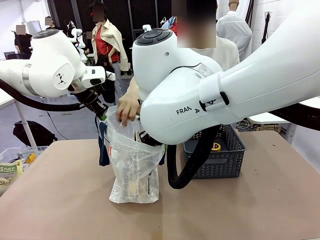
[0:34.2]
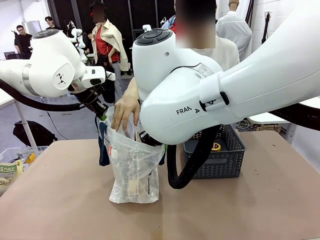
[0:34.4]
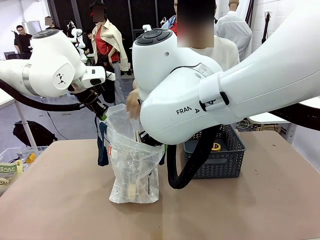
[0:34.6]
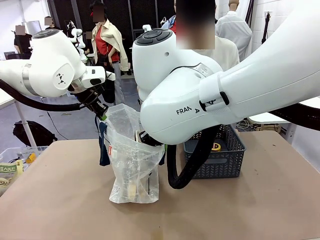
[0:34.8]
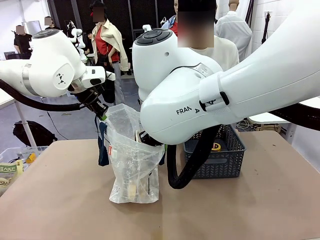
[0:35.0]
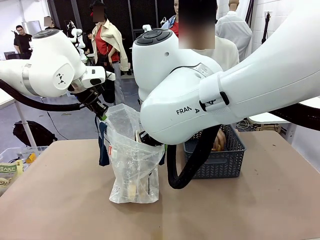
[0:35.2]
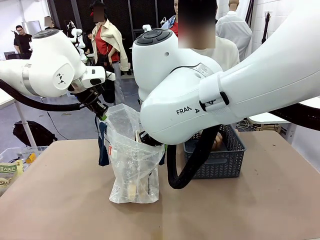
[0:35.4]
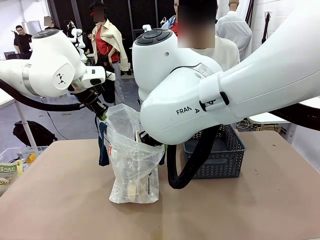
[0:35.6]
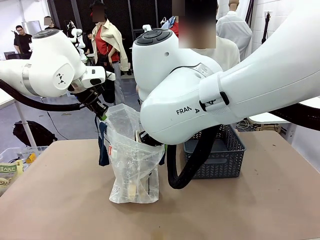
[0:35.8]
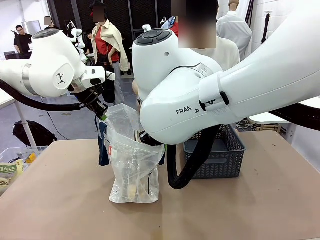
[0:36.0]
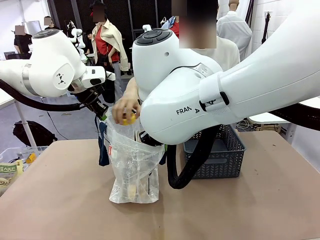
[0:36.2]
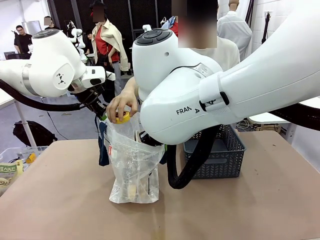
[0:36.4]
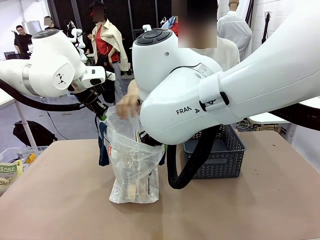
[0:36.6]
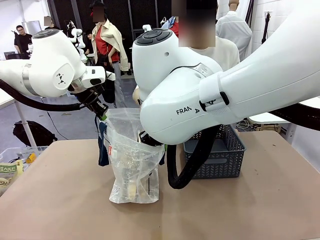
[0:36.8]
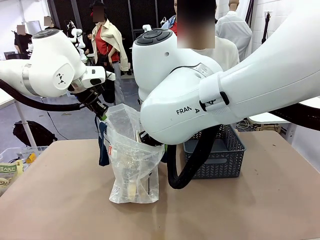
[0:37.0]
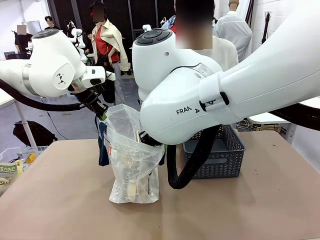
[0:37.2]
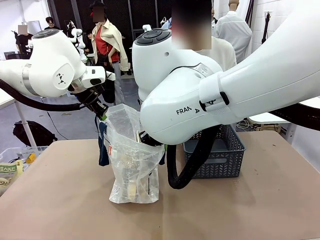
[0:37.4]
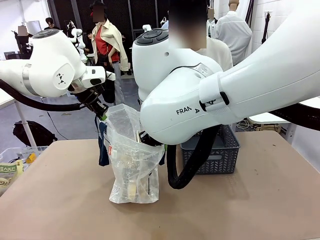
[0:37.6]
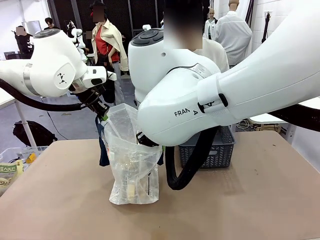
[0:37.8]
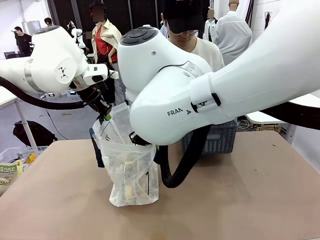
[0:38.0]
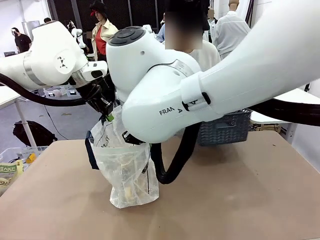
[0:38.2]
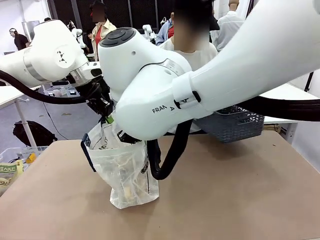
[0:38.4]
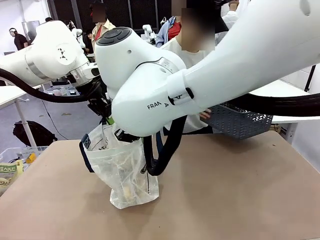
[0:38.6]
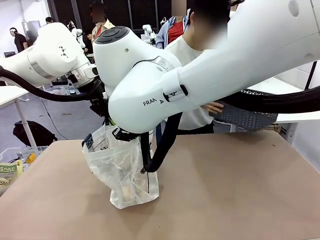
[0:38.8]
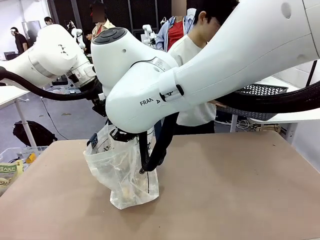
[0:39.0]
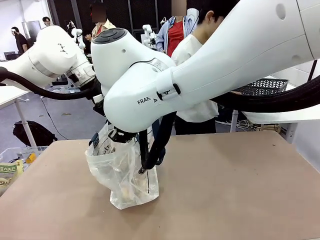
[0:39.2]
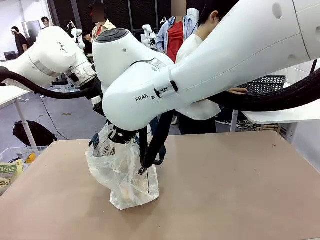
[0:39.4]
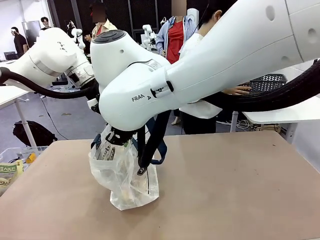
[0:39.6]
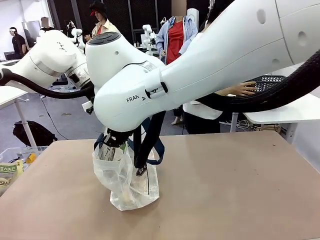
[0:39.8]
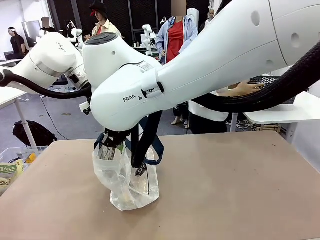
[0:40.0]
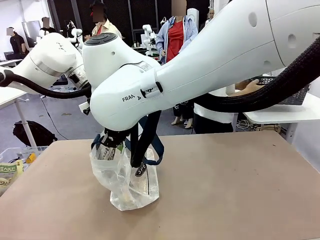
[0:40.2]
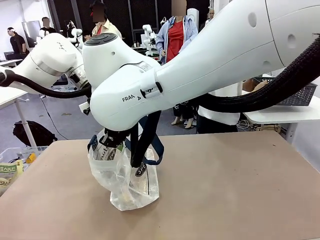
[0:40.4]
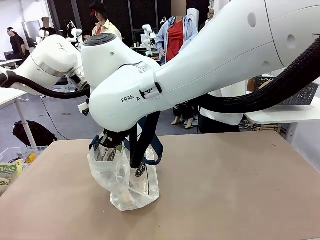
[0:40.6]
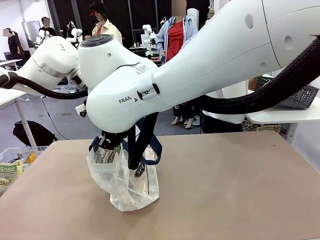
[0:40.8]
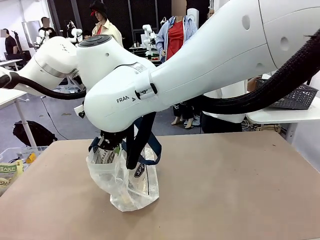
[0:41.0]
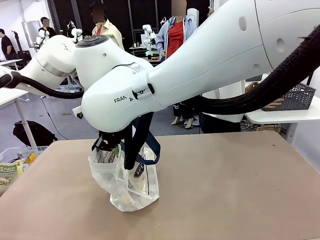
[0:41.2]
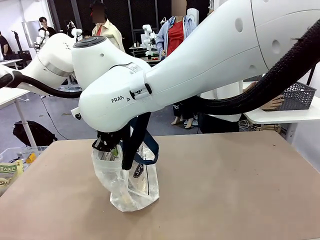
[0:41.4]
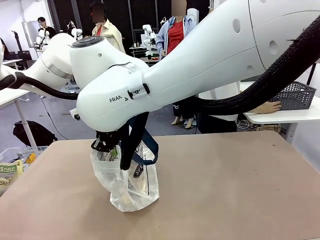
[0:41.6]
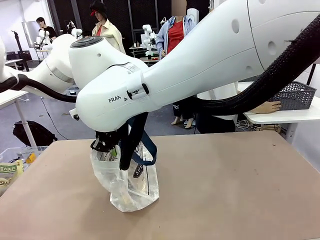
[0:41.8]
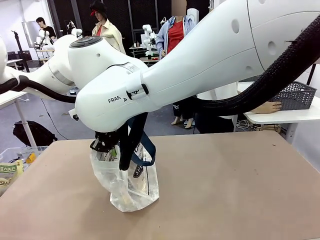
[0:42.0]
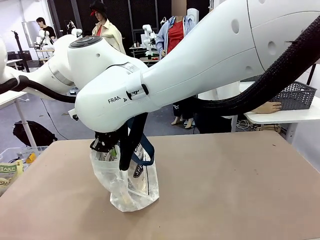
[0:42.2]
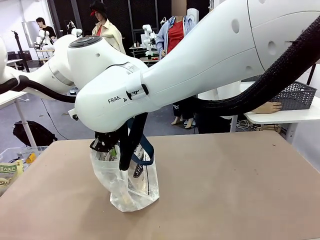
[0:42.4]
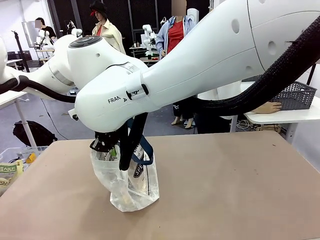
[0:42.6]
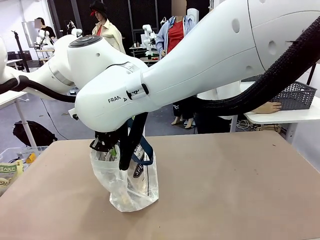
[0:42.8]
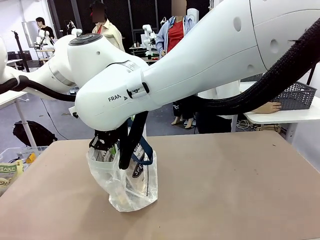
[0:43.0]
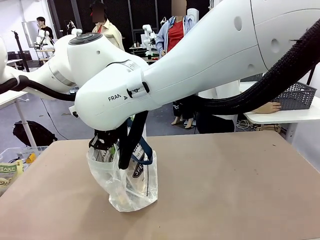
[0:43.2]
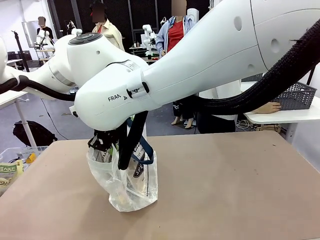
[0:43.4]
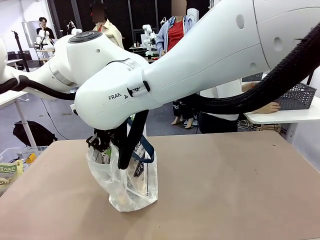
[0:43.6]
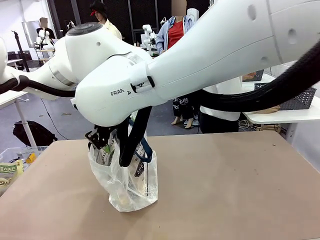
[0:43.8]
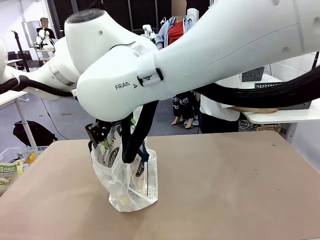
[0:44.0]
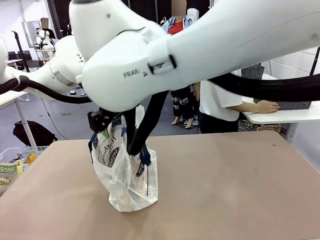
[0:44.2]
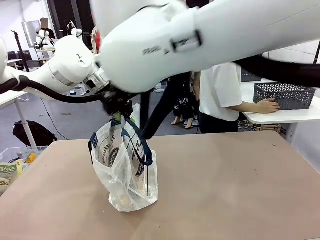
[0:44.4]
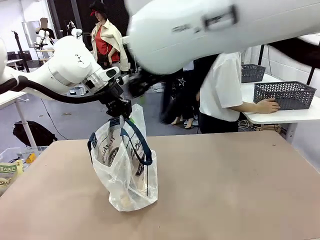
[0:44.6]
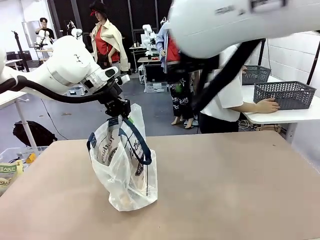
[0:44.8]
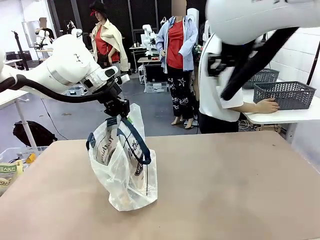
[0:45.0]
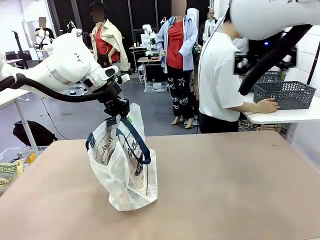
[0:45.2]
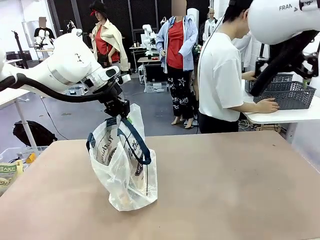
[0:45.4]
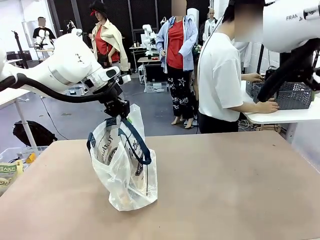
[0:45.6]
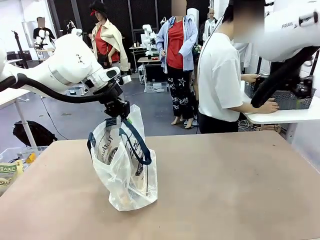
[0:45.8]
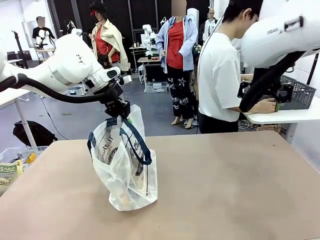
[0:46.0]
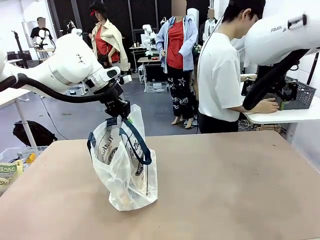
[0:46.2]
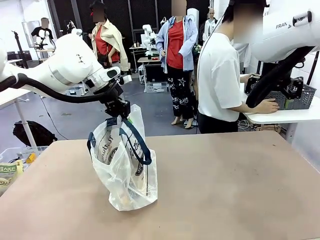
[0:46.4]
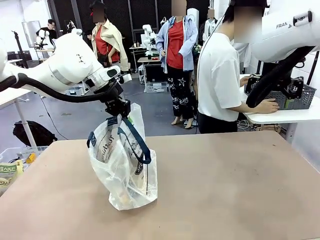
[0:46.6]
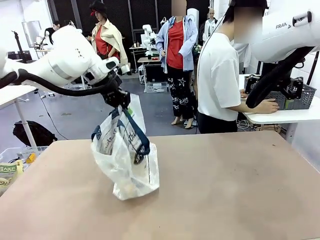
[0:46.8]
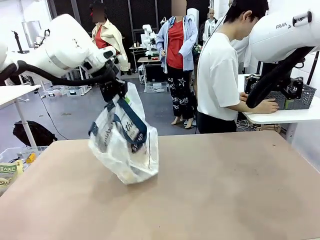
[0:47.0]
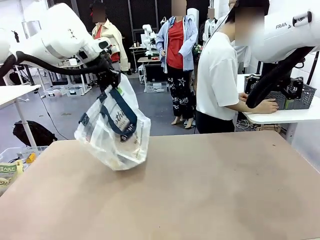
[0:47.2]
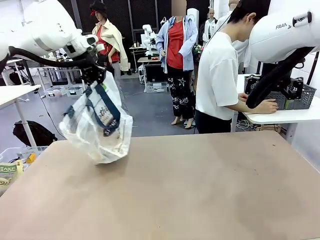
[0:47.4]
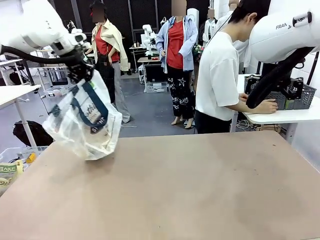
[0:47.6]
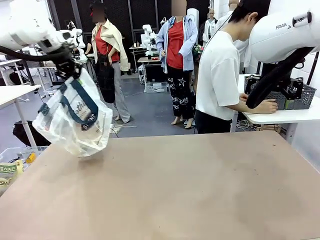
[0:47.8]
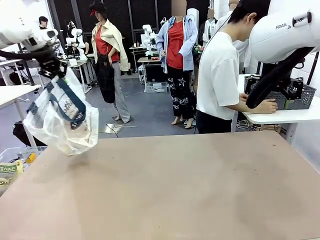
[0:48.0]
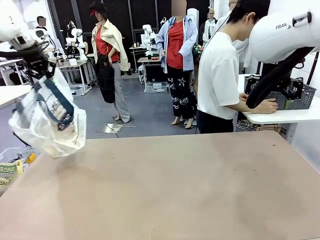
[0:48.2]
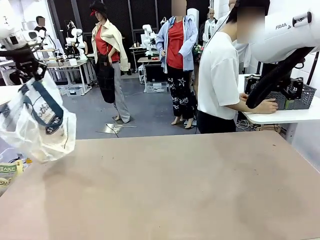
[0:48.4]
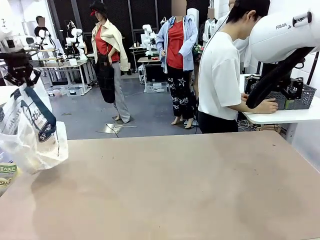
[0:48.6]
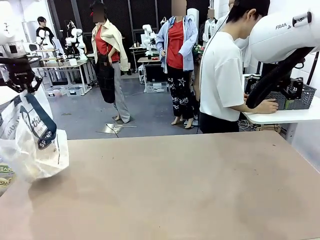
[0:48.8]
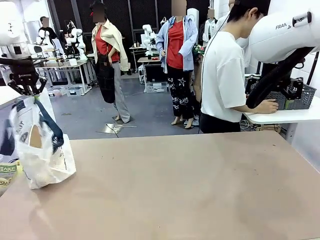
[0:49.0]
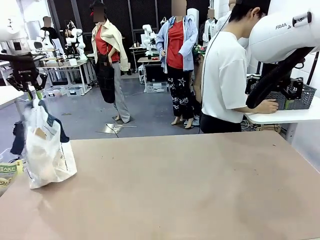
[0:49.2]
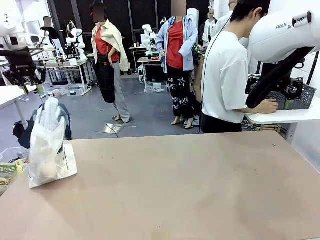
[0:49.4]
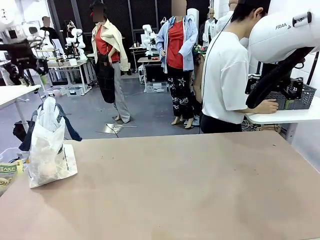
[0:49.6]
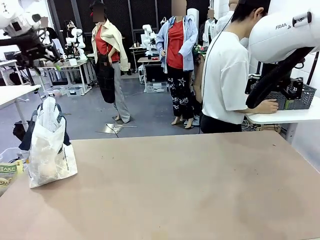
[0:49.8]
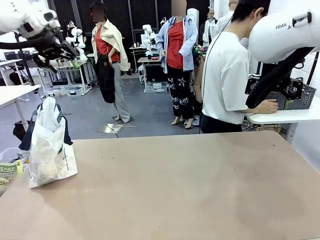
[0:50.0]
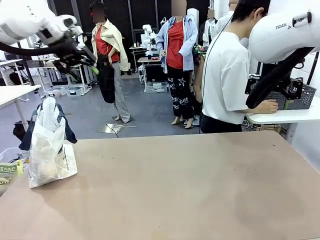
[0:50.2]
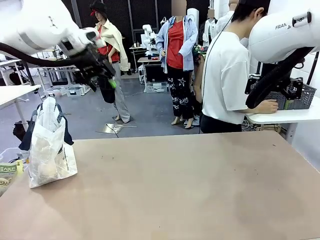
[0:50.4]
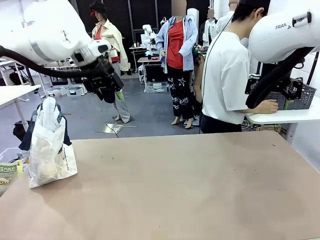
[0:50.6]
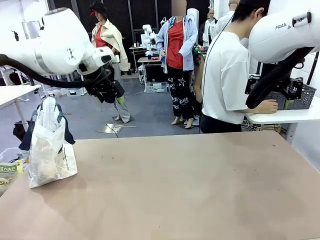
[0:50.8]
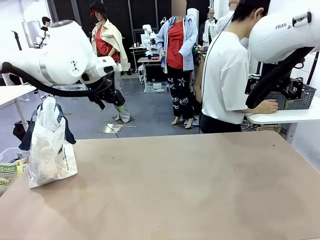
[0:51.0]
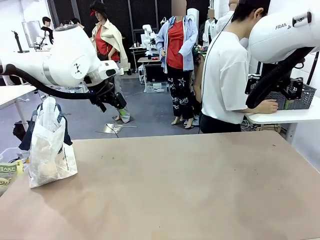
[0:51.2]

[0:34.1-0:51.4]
Task: Transfer purchased items from the store into the shopping bag.
Robot: Move the Reusable shopping bag to the right side of the table.
Person: Move the basket on the left to the middle of the person's table.
